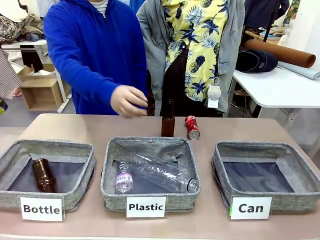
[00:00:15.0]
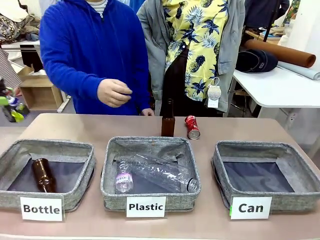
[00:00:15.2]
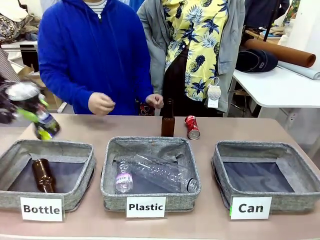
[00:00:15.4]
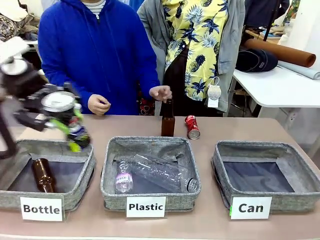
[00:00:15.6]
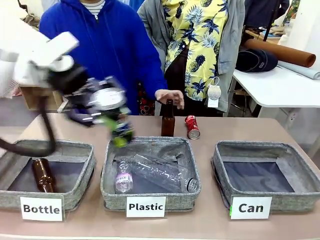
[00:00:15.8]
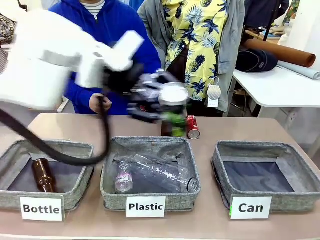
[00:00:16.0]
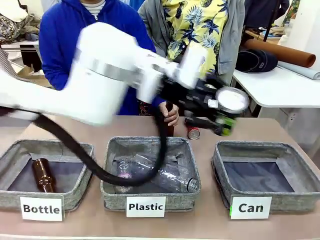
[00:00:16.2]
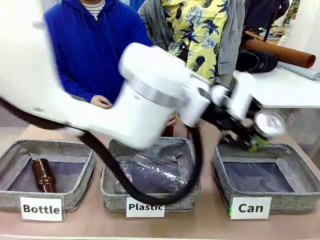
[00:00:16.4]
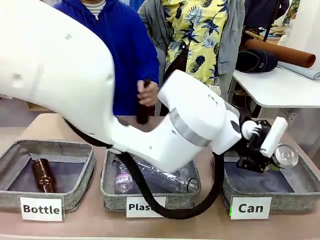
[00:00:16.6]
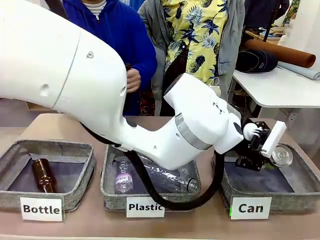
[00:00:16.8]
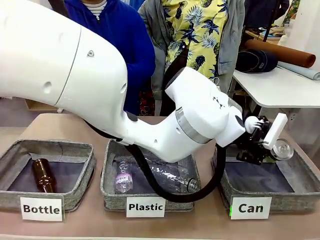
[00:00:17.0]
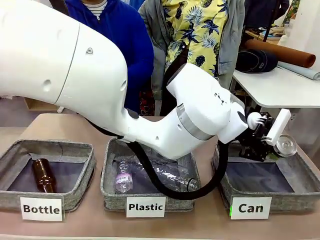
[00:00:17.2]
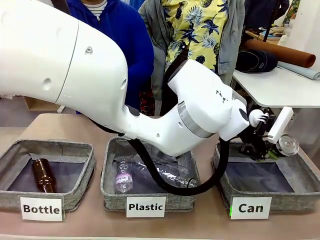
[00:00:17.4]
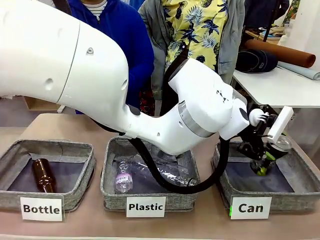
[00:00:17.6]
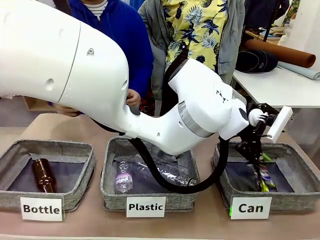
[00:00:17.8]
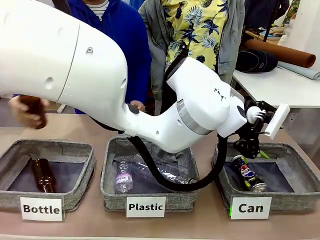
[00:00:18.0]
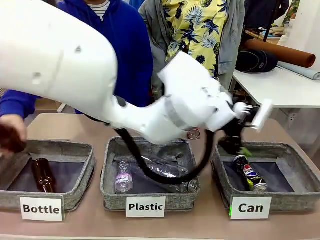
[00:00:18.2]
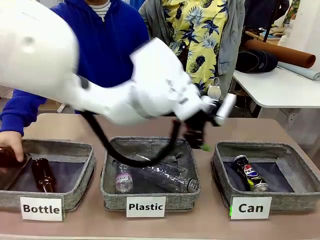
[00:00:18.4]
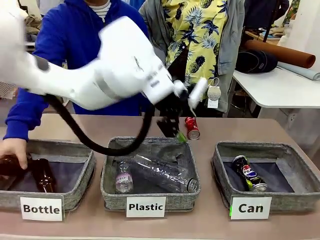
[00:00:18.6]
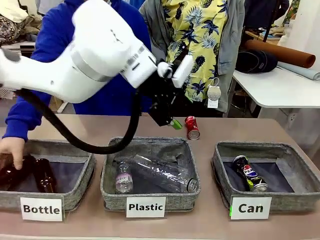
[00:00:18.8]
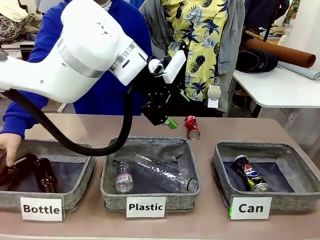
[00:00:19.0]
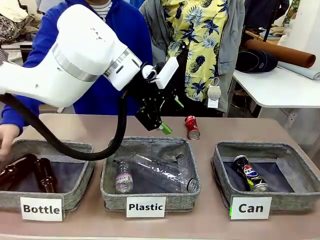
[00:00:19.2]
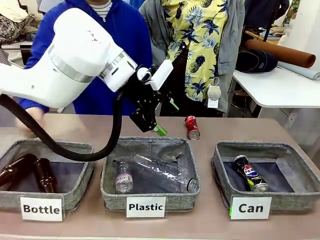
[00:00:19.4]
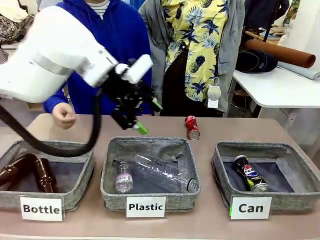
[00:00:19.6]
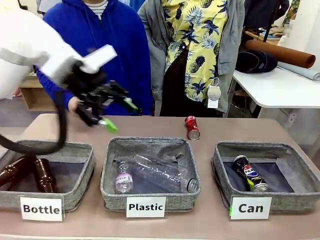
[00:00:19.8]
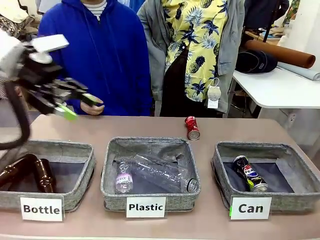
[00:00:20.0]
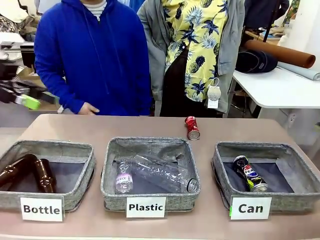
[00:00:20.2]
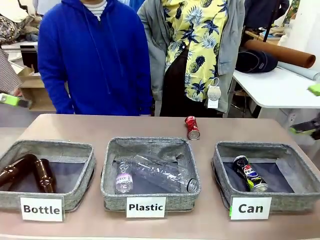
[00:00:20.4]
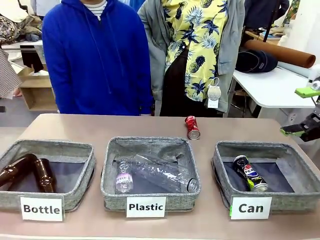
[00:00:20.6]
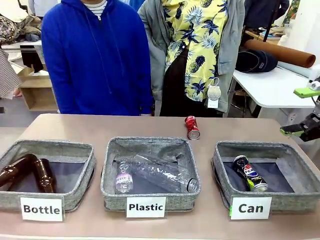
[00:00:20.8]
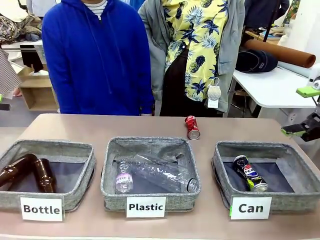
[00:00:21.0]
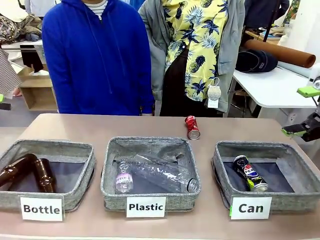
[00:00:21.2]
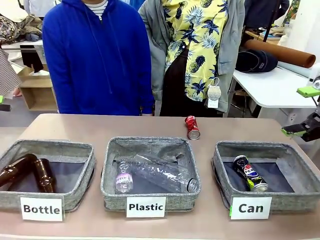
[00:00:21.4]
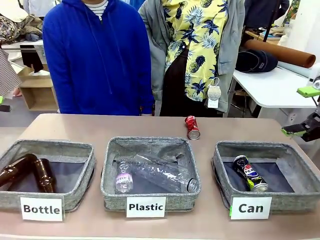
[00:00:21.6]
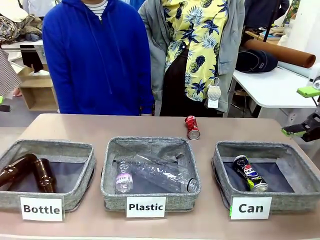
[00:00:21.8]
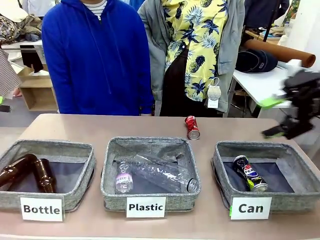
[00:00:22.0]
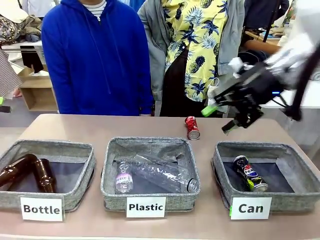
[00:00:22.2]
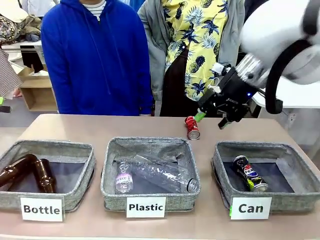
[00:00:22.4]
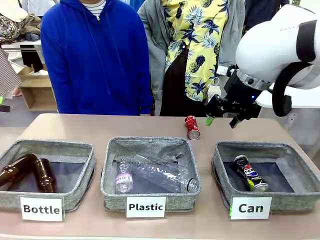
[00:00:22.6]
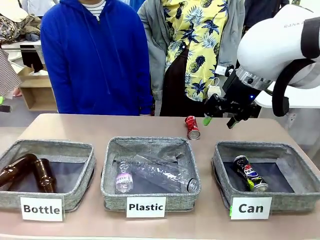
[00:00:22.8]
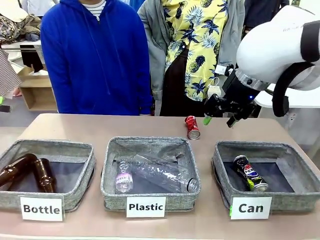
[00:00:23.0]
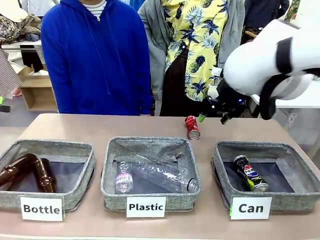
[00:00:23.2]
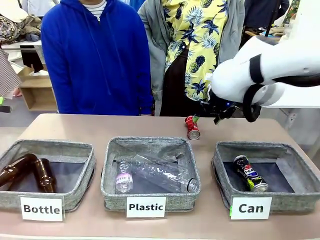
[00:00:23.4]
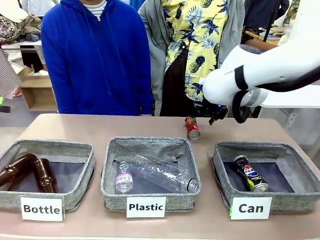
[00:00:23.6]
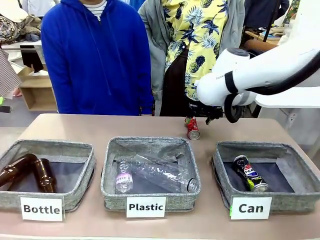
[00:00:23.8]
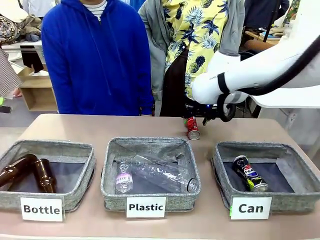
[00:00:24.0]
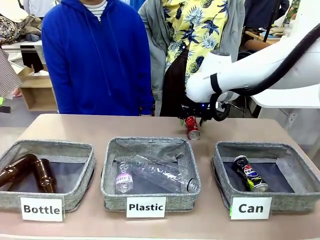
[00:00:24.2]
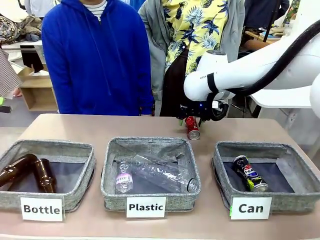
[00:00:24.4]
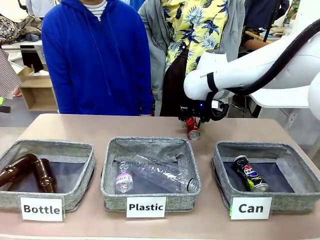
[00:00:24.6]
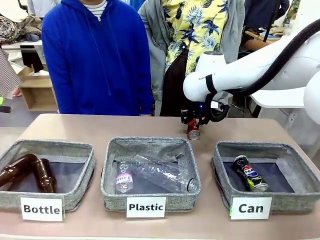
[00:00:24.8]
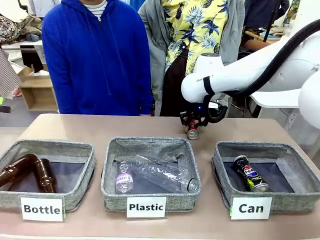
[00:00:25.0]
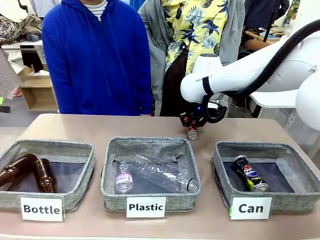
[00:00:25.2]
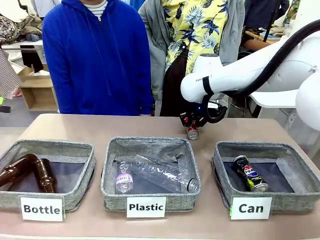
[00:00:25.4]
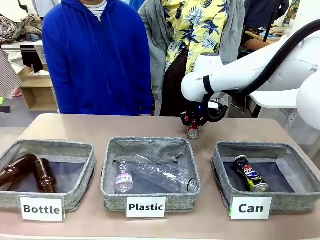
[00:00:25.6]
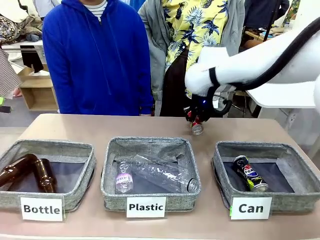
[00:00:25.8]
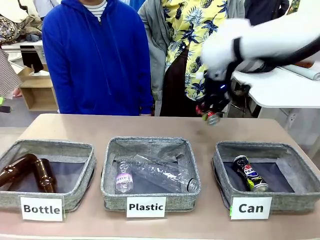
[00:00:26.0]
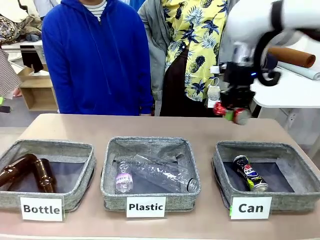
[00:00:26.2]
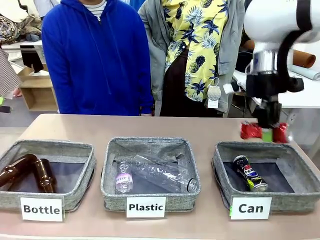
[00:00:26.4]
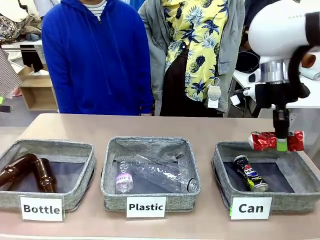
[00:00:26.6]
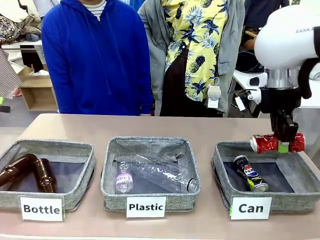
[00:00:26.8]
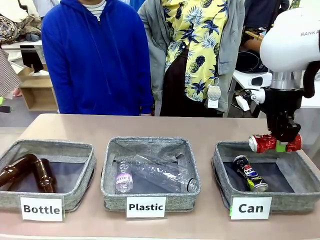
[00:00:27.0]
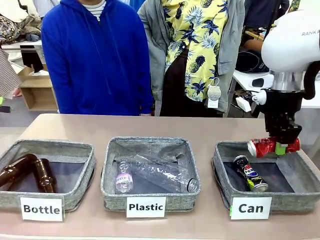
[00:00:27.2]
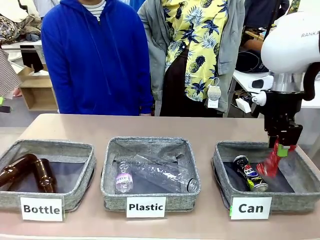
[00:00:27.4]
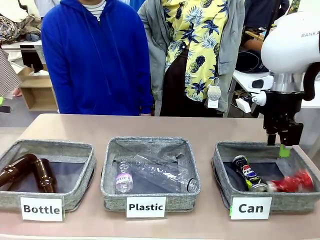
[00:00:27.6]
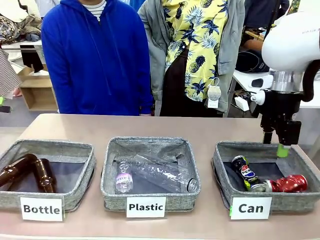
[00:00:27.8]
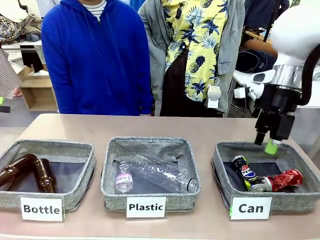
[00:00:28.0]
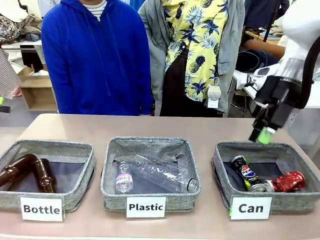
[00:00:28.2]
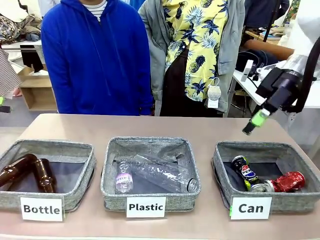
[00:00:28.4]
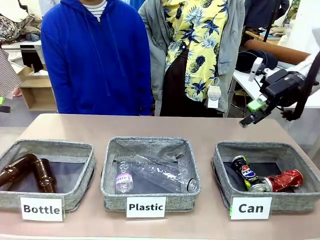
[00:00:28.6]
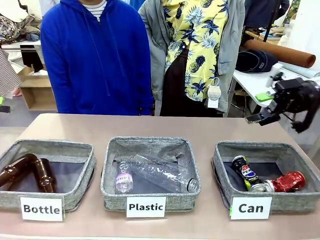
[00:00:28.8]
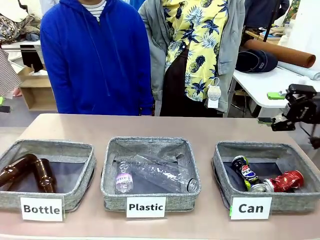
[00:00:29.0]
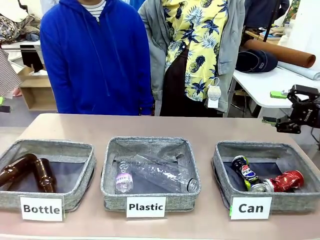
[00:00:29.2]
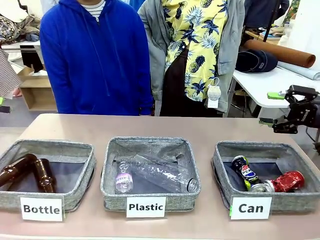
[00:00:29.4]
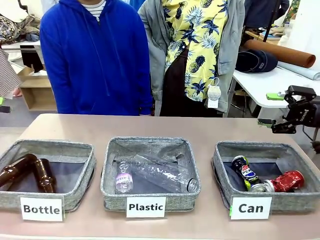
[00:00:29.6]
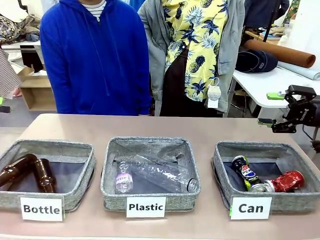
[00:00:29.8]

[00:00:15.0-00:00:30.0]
Task: Sort the can waste into the basket.
Robot: Pick up the can waste from the table and place it in the right Fabric basket.
